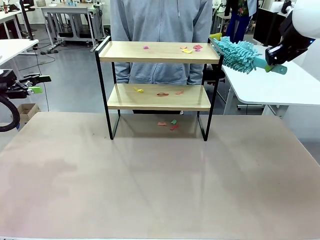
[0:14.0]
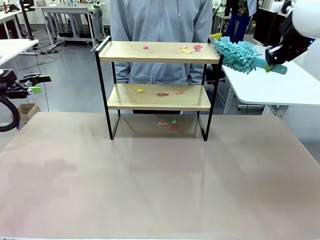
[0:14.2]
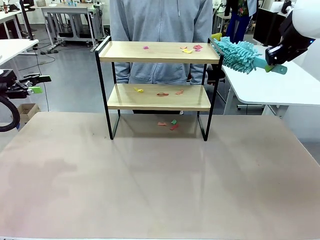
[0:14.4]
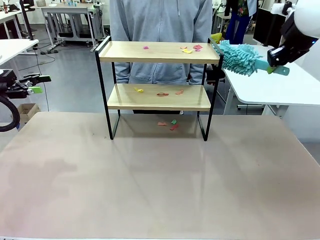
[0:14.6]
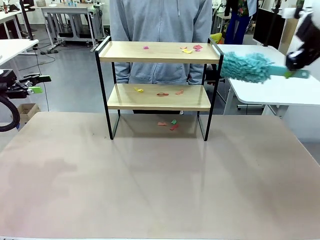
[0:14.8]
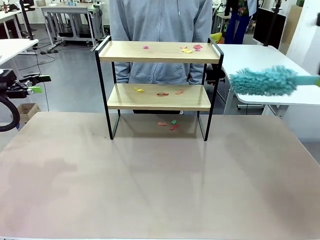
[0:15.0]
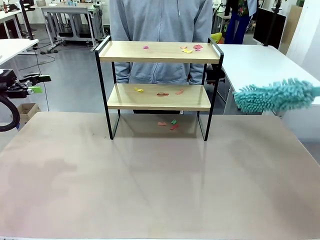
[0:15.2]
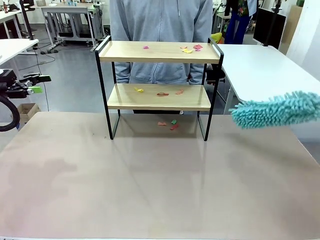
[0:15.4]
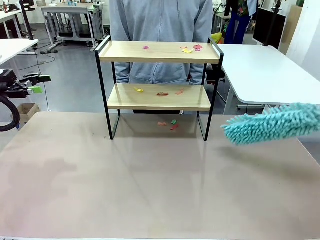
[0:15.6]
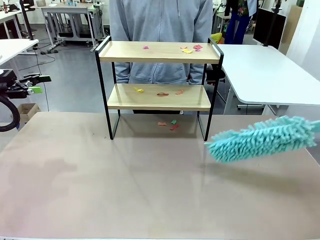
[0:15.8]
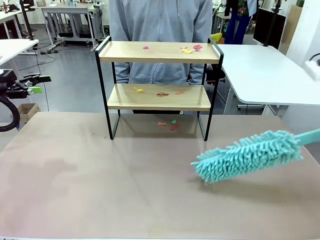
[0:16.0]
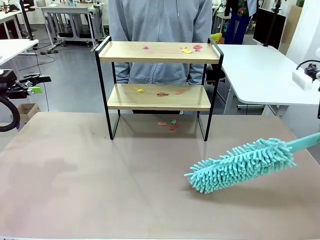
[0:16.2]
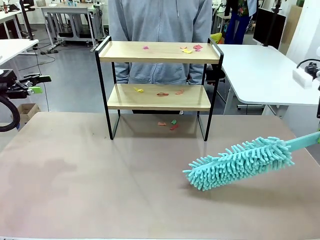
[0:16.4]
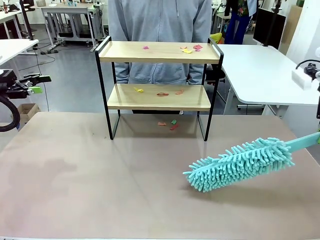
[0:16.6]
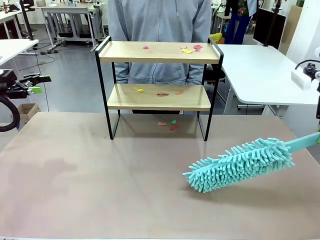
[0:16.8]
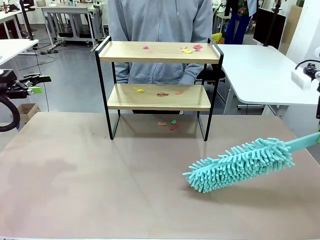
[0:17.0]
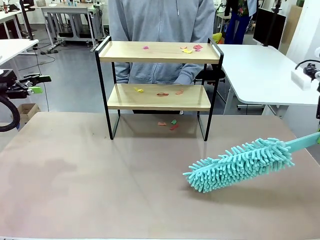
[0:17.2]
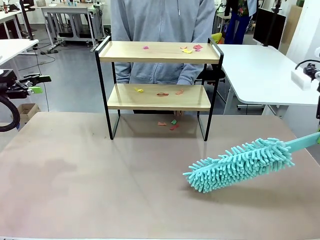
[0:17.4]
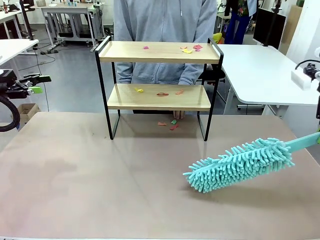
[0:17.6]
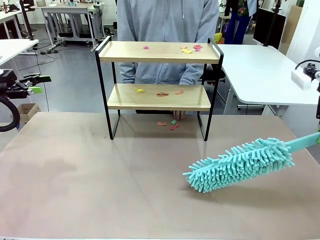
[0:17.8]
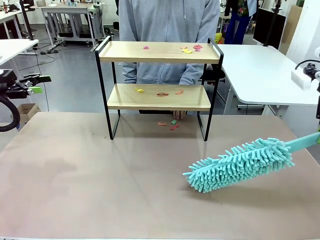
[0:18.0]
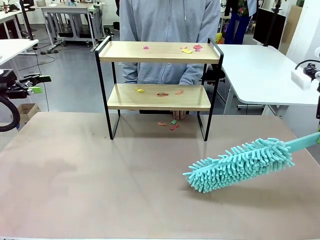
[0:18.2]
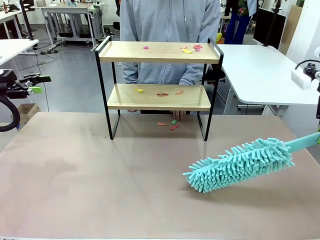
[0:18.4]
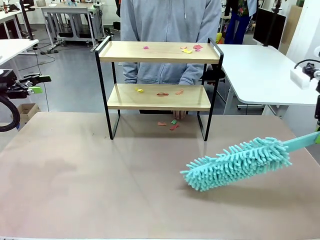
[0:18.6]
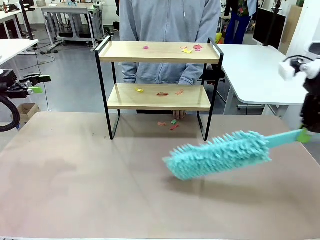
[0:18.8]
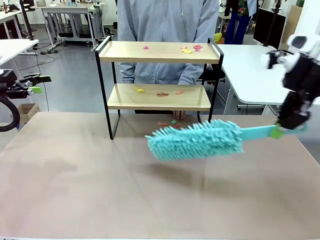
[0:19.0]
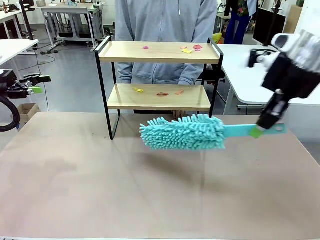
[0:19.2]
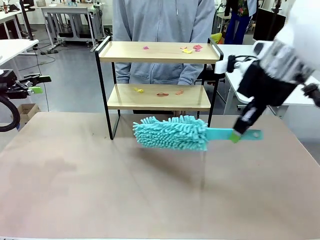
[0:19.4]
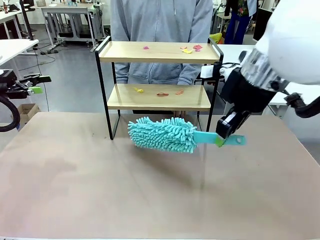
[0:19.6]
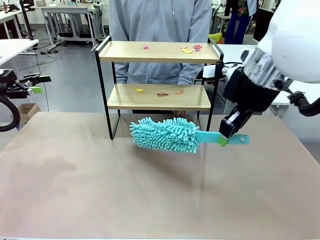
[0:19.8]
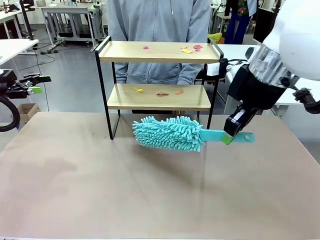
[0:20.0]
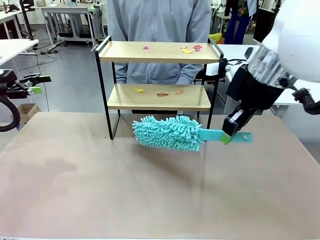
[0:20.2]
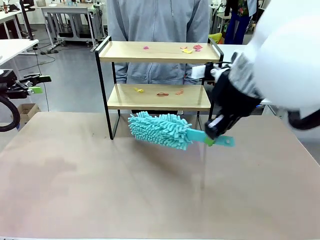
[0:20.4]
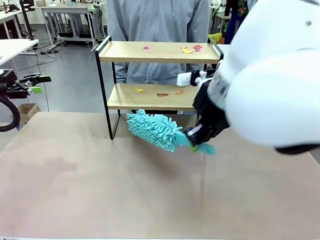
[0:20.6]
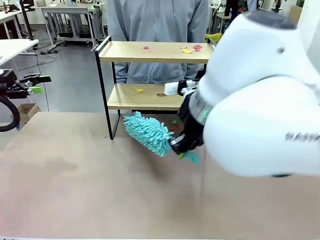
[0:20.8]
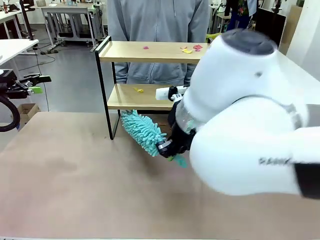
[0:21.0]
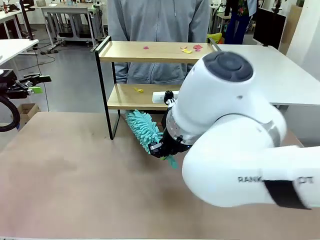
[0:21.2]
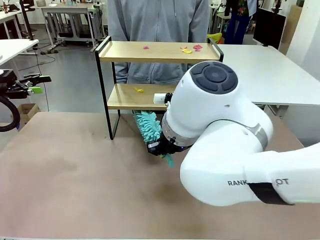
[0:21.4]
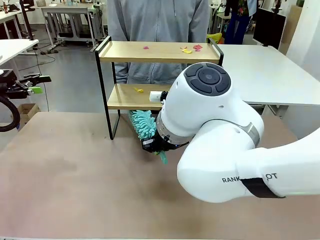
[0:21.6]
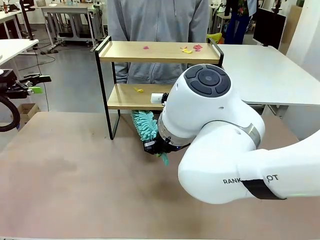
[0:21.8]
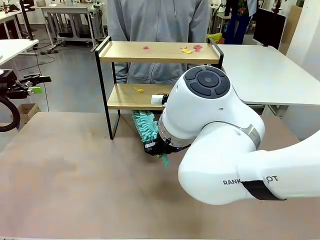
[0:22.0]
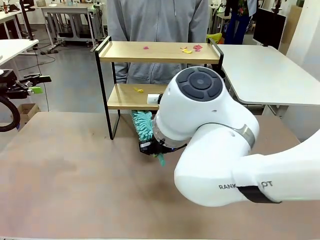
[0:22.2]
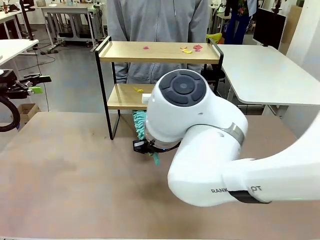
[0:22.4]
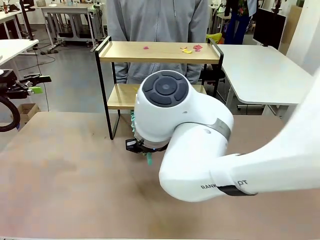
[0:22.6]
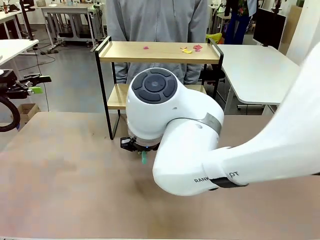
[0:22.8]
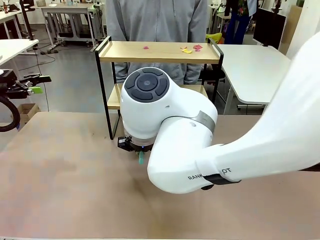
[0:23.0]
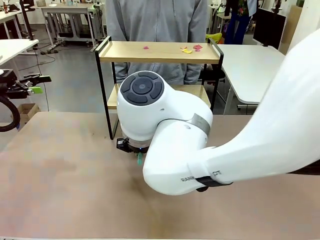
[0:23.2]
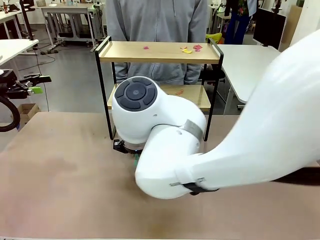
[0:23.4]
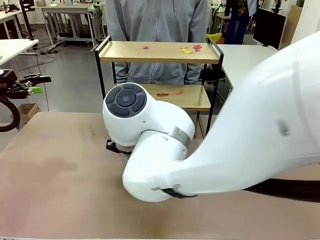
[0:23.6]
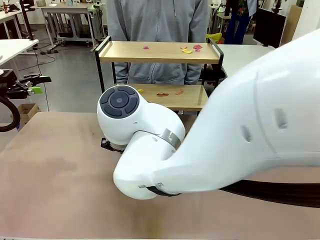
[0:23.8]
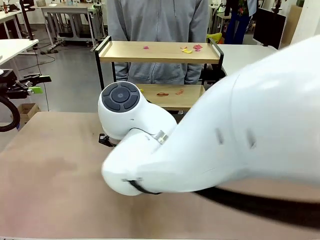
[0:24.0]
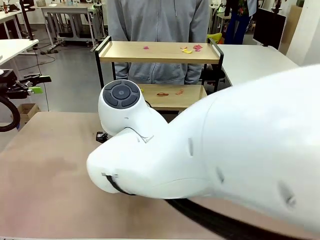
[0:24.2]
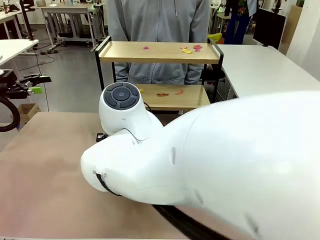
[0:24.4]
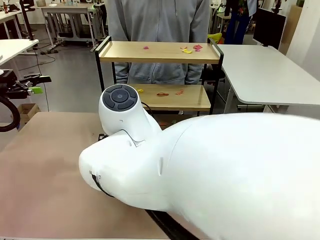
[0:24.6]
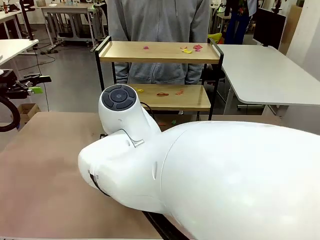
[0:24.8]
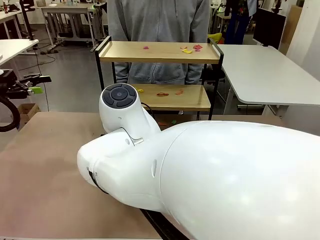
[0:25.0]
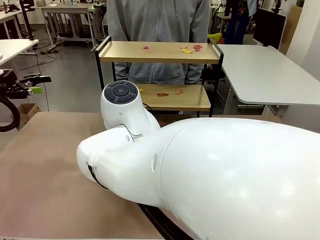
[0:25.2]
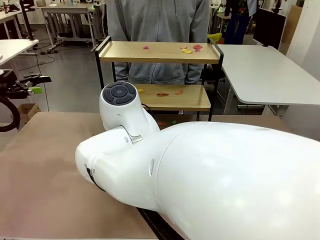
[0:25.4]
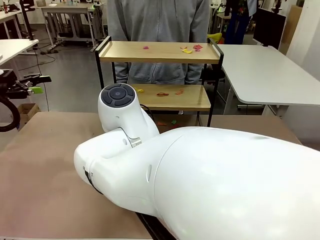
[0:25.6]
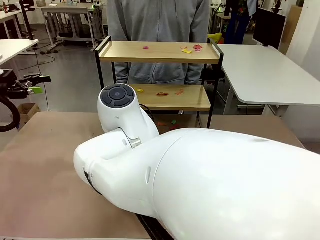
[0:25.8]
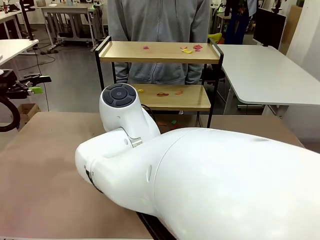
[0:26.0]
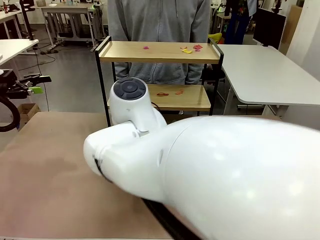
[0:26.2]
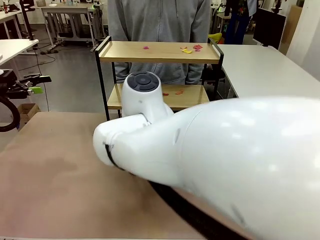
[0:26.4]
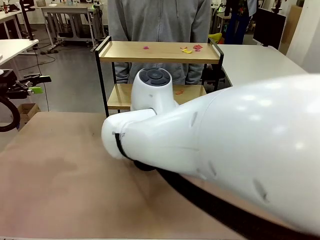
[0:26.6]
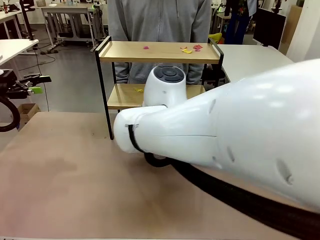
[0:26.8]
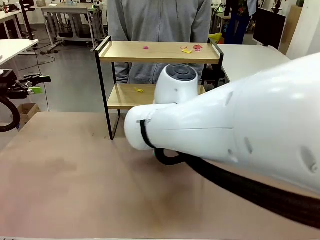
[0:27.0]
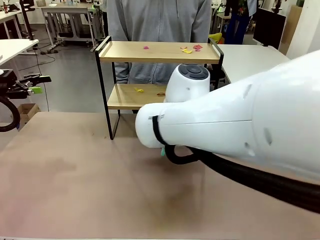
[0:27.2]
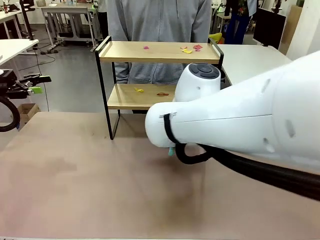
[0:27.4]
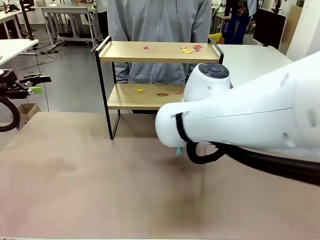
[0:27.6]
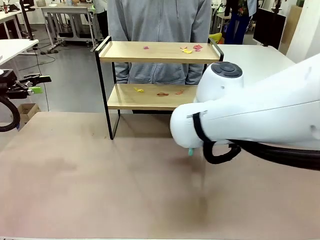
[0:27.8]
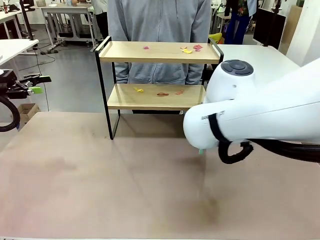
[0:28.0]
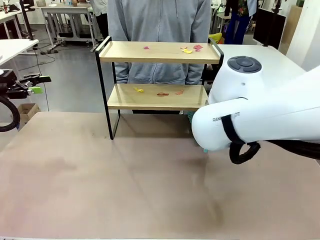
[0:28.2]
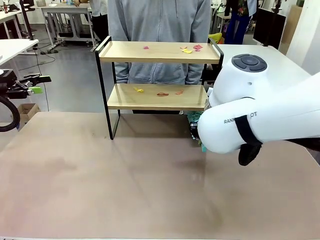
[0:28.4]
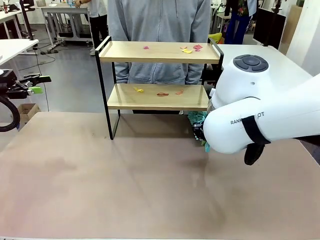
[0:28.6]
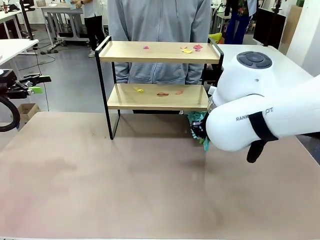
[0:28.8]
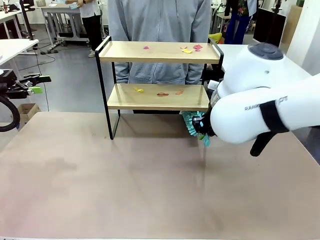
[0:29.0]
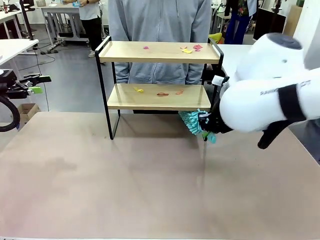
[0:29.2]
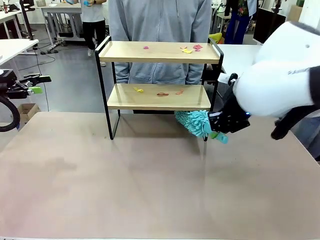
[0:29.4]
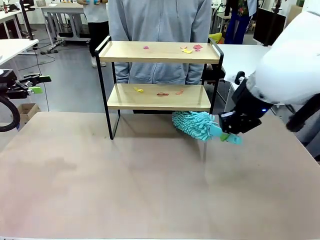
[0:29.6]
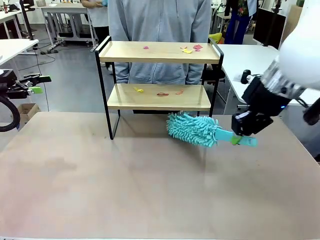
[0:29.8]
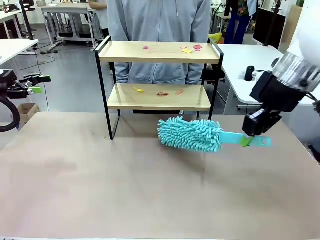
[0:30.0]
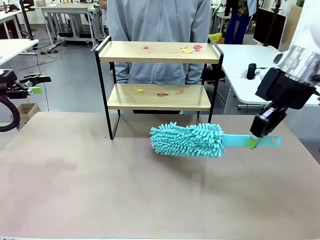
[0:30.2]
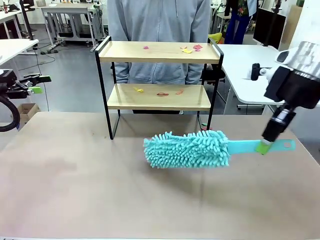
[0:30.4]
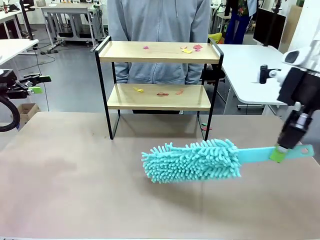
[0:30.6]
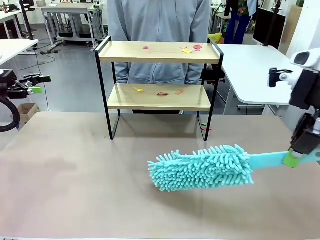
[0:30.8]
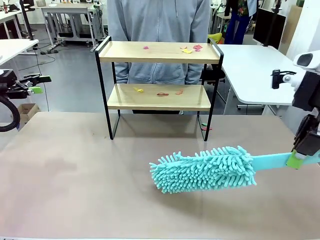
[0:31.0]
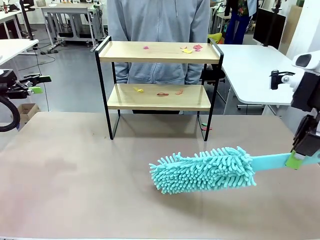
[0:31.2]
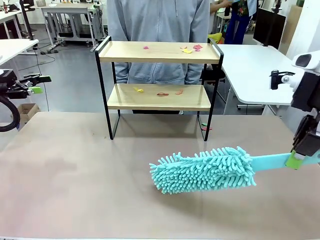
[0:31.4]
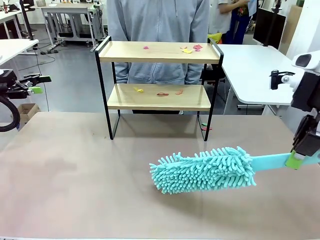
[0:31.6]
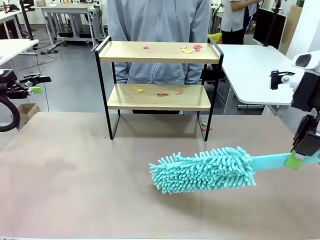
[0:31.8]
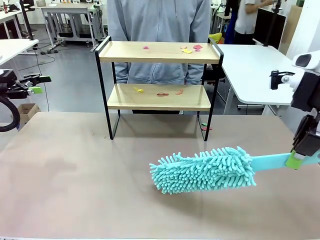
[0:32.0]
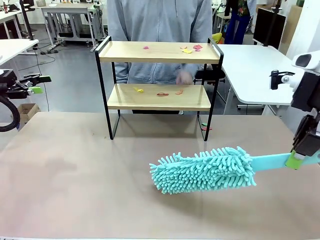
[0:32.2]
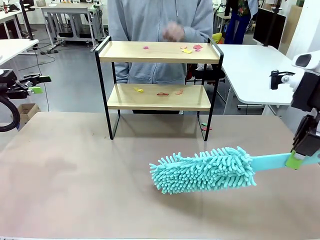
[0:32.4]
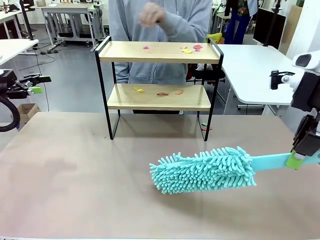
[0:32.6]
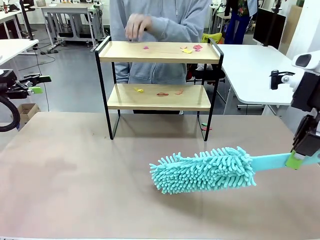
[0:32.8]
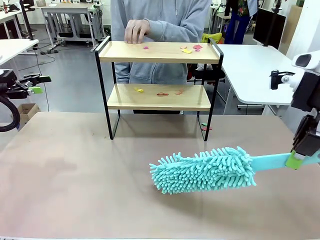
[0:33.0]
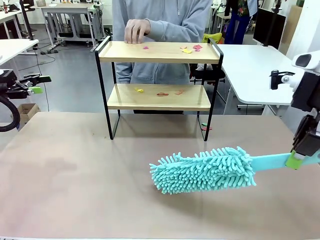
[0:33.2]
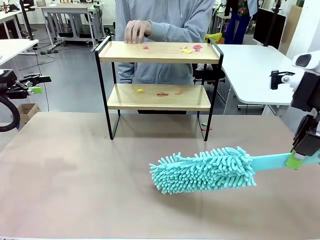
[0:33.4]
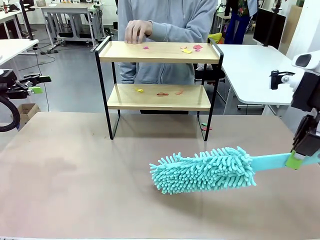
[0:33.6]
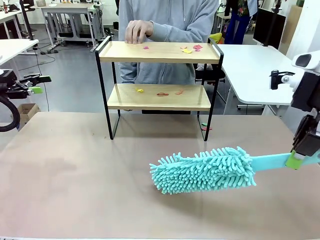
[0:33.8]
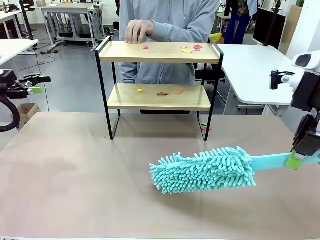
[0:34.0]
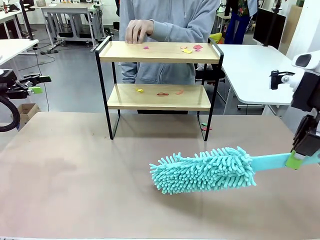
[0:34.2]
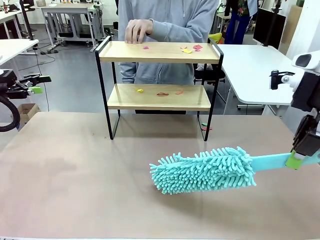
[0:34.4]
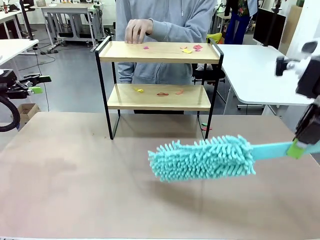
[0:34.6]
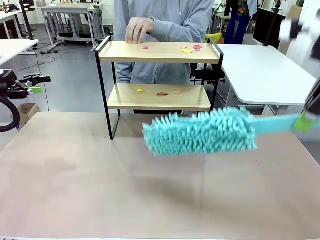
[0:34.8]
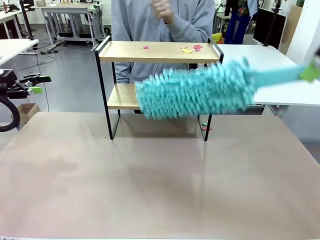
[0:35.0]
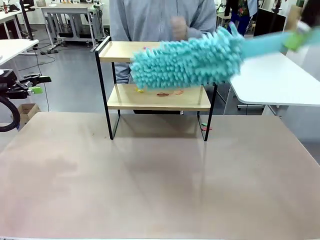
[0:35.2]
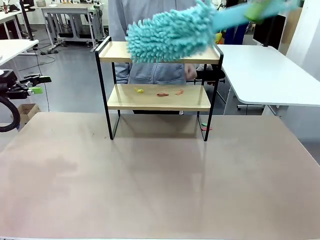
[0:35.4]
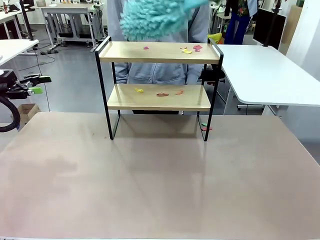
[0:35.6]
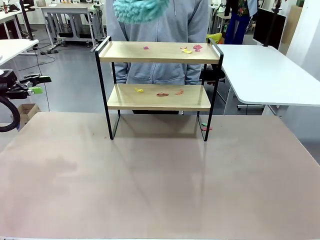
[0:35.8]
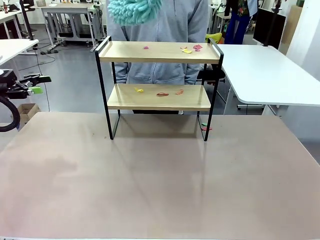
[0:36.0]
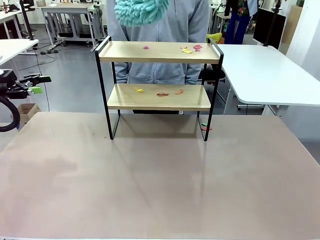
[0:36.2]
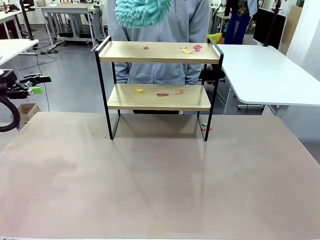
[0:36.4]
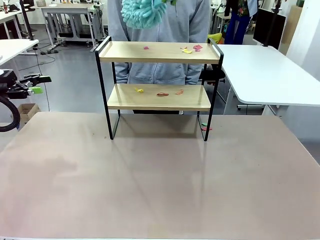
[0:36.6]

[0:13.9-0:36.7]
Task: Clean the shelf.
Robot: Clean the specific section of the Shelf indicated by the human with the Duster.
Person: Point a random section of the Shelf.
